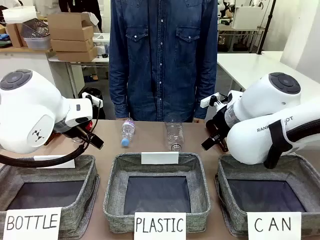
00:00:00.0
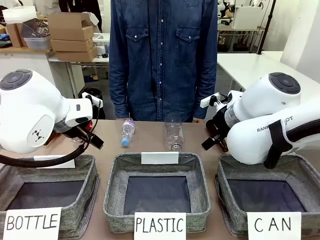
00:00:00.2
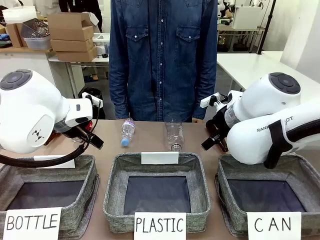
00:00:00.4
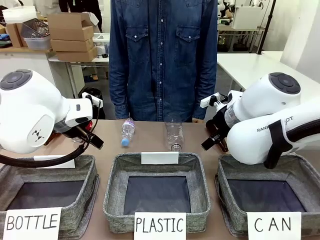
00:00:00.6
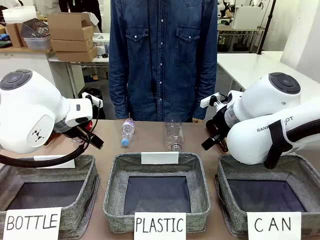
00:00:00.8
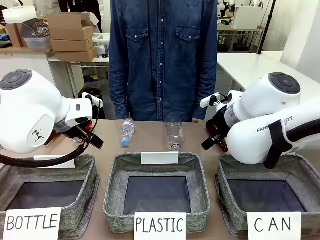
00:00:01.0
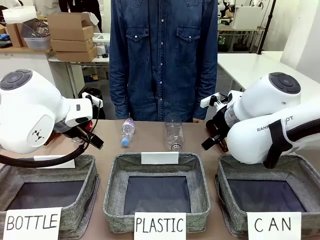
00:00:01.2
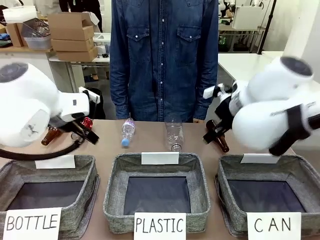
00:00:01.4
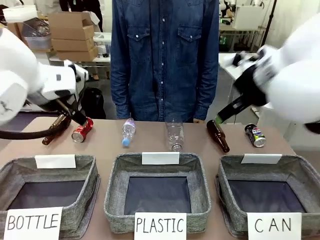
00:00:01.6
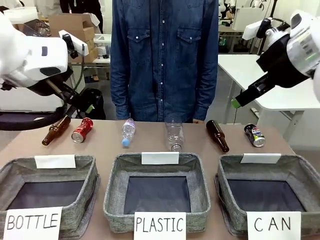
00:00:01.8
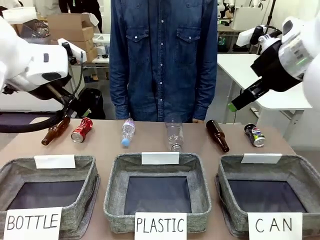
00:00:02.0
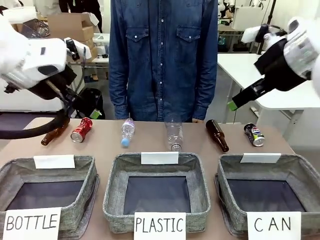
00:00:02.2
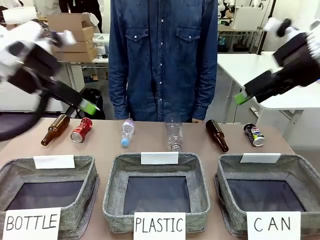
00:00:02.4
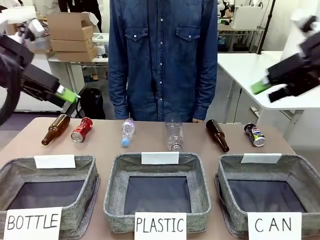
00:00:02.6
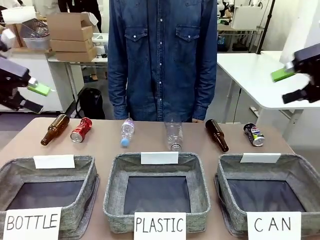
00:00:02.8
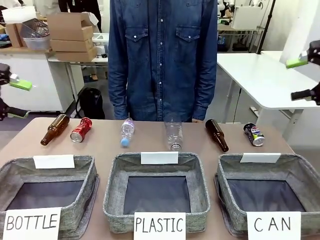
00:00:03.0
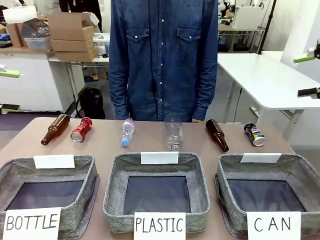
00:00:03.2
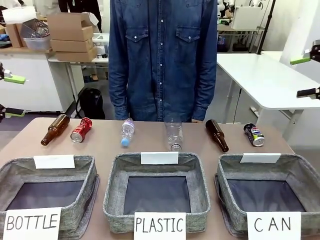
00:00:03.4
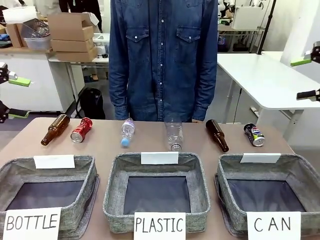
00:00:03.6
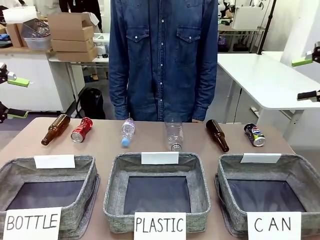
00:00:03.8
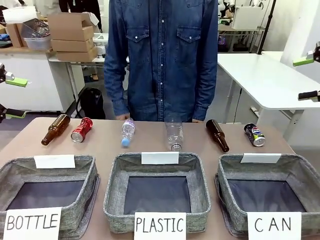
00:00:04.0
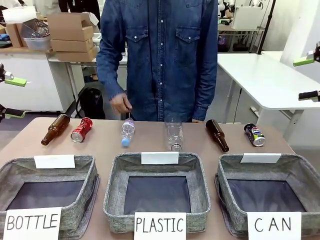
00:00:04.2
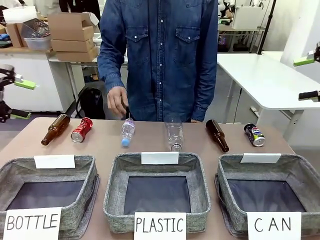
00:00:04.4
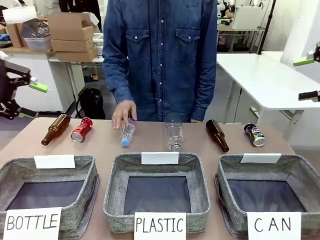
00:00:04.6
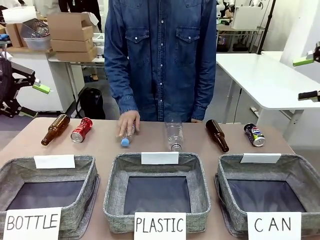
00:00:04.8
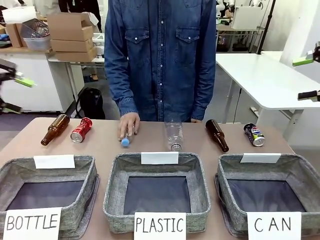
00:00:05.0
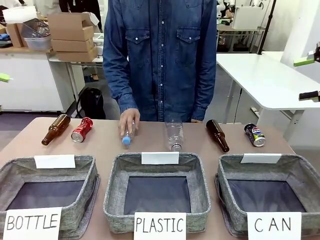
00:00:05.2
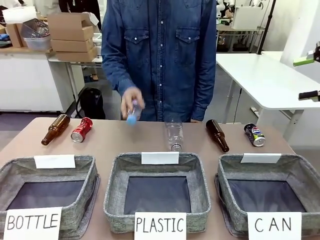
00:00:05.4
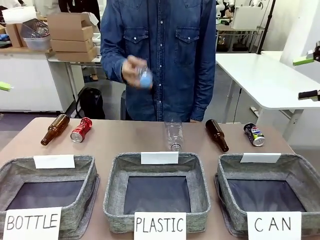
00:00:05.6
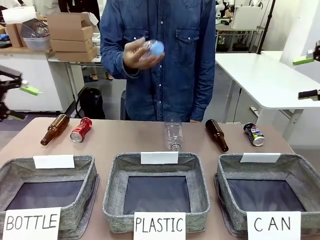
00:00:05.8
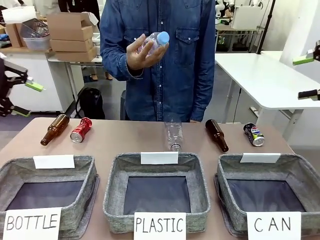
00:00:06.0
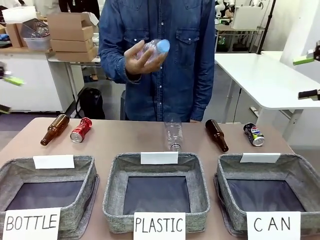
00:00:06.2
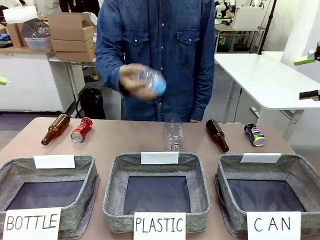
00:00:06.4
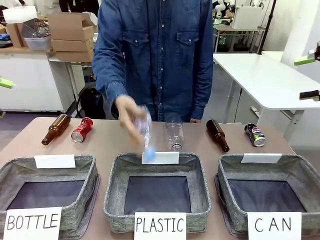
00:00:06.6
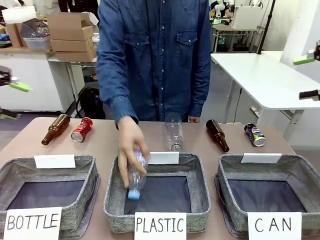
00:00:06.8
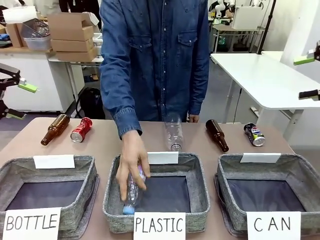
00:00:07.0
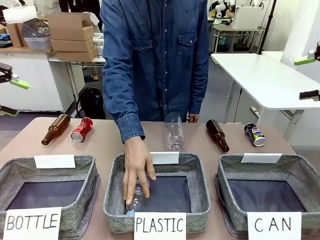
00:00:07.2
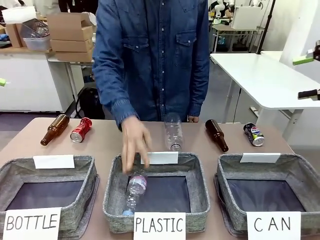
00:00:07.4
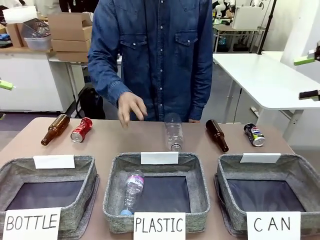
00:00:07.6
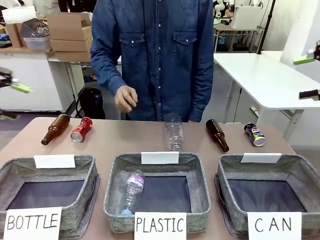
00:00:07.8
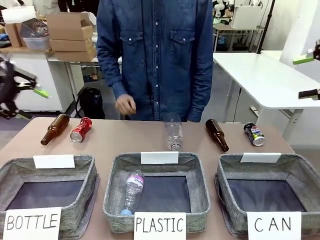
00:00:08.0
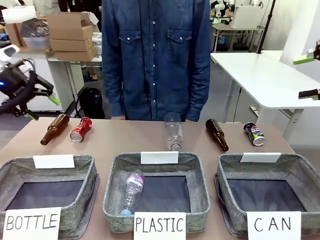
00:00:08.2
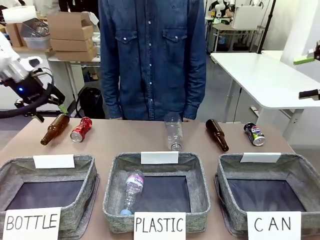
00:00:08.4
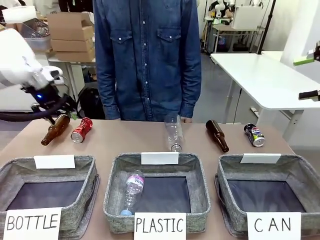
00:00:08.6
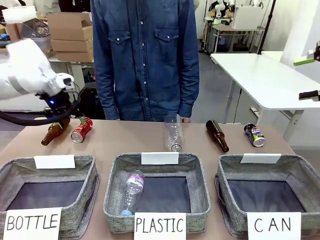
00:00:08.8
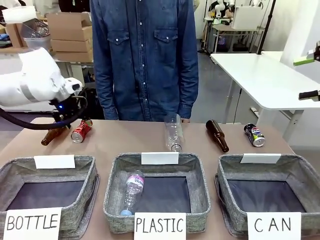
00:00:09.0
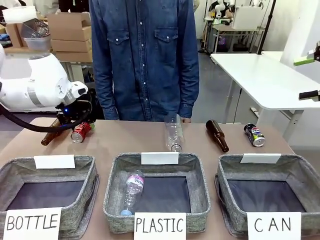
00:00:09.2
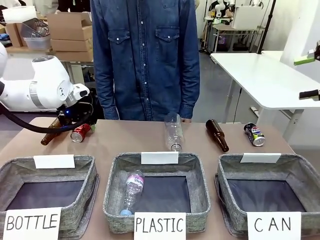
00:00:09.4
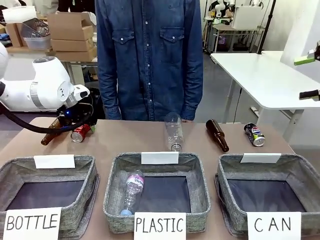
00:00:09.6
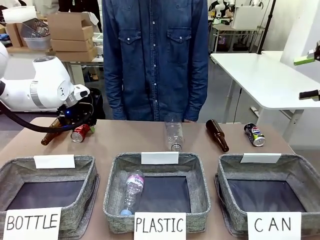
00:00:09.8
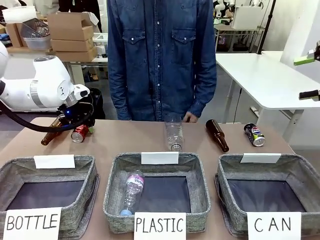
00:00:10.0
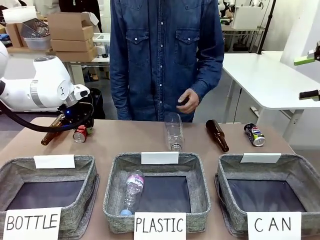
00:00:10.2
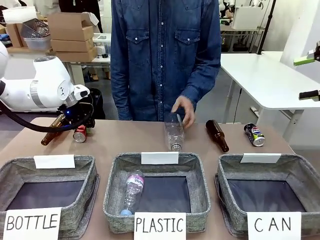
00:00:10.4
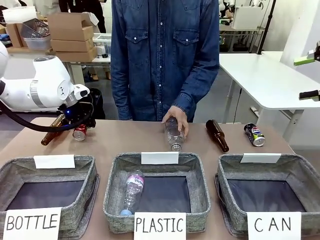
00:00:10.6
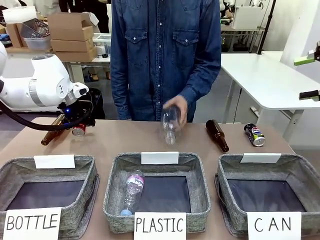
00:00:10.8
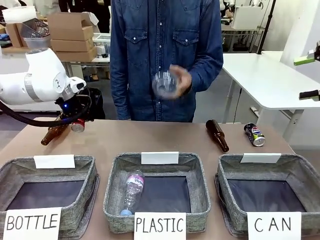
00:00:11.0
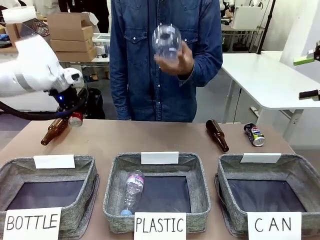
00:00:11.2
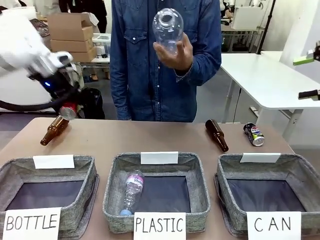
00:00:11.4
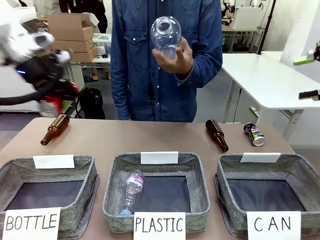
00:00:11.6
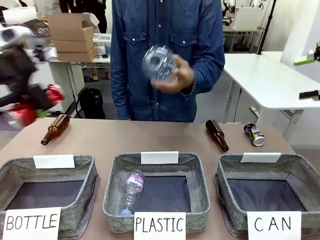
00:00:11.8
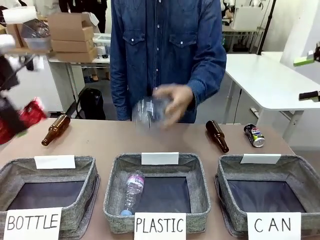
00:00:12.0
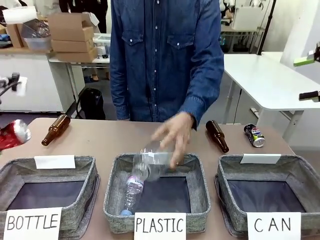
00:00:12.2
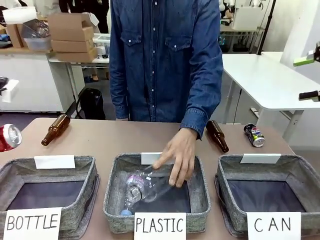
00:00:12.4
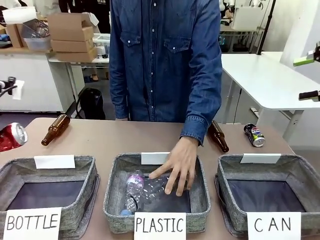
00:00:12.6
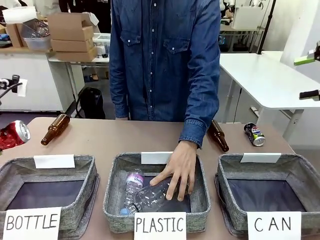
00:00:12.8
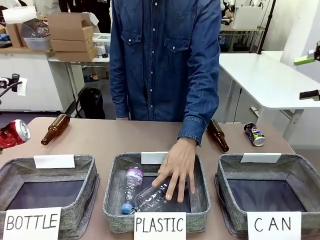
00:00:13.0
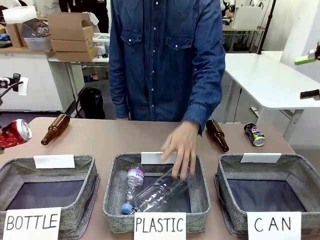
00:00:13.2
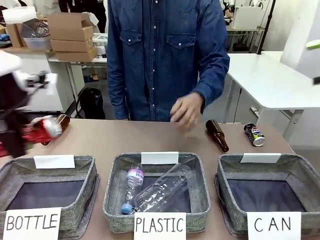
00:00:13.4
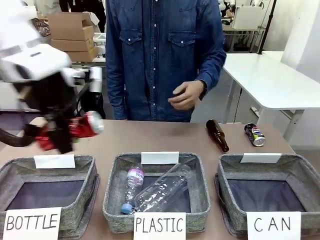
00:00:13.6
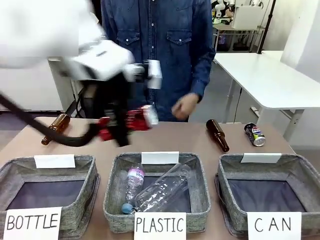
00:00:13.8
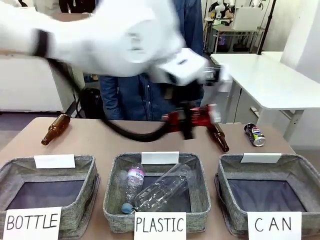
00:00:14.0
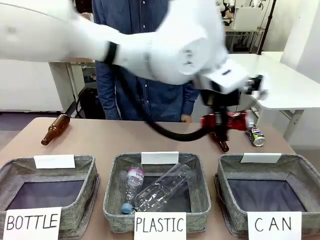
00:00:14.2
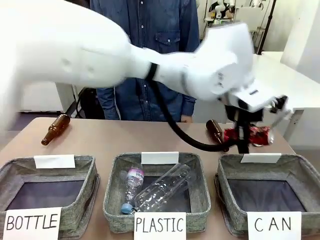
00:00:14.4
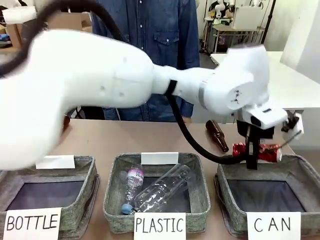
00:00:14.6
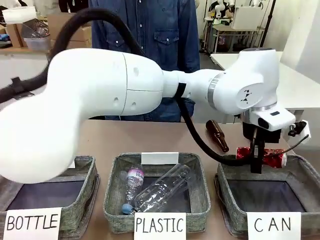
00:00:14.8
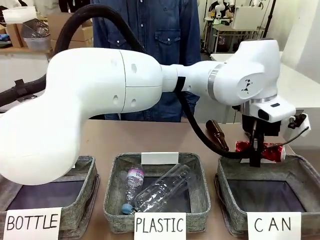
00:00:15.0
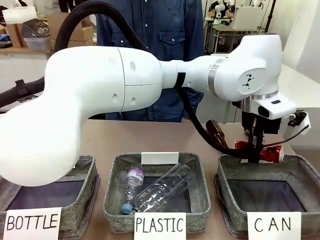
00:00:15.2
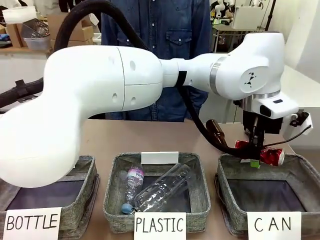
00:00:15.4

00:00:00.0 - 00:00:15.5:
Task: Sort the can waste into the basket.
Robot: Pick up the can waste from the table and place it in the right Fabric basket.
